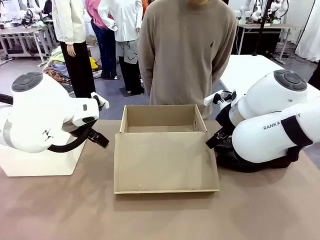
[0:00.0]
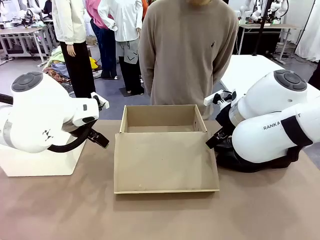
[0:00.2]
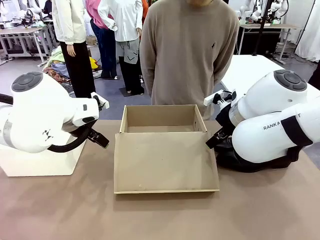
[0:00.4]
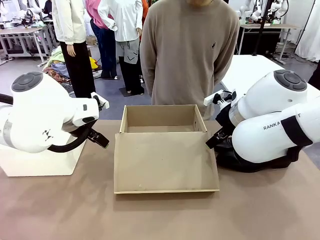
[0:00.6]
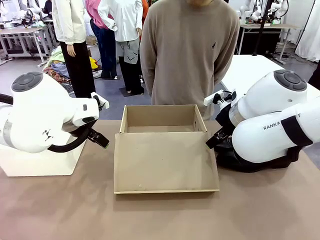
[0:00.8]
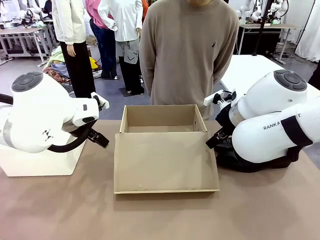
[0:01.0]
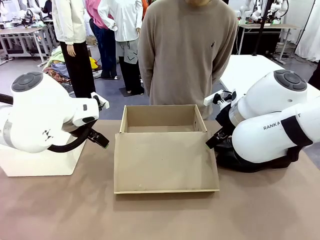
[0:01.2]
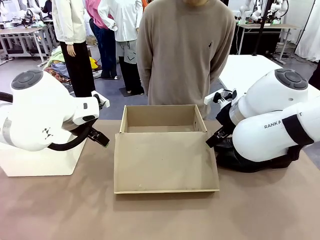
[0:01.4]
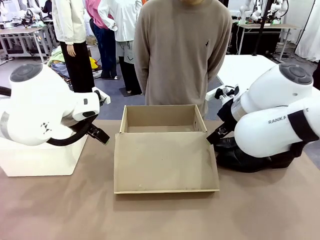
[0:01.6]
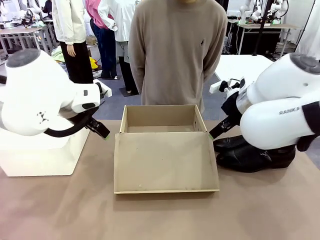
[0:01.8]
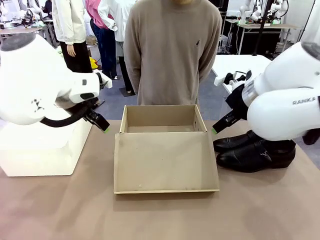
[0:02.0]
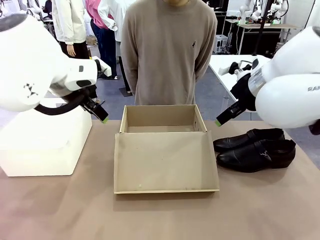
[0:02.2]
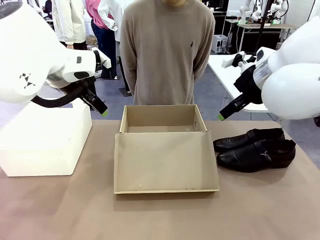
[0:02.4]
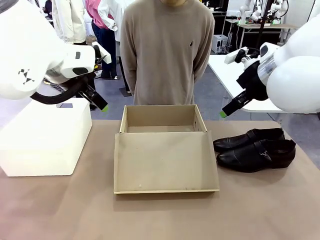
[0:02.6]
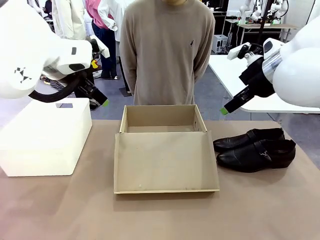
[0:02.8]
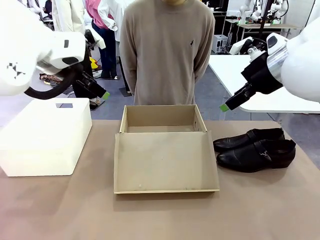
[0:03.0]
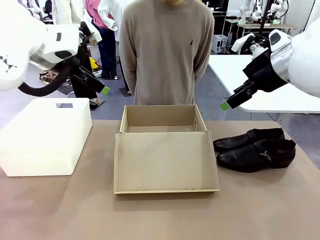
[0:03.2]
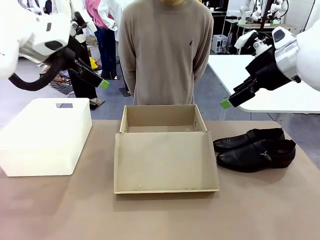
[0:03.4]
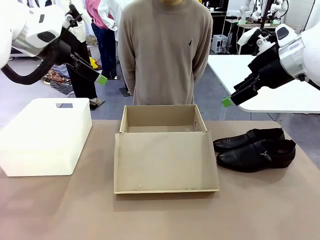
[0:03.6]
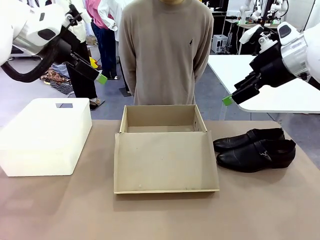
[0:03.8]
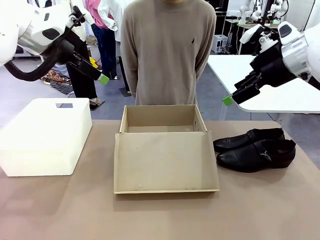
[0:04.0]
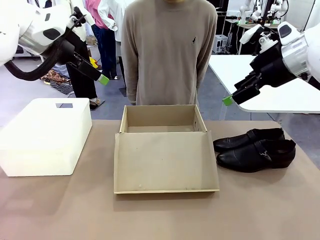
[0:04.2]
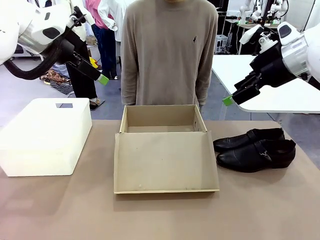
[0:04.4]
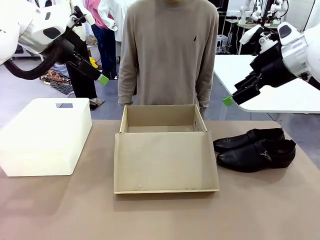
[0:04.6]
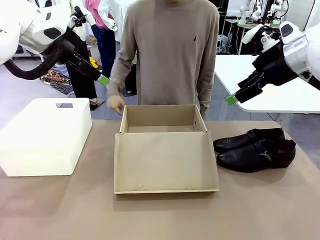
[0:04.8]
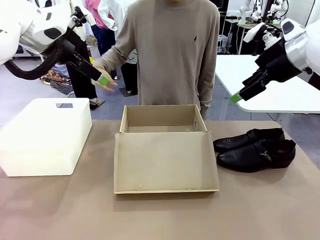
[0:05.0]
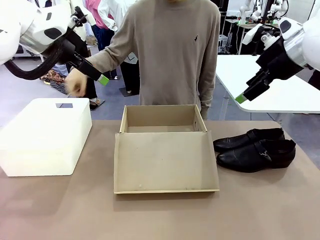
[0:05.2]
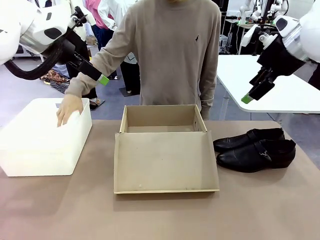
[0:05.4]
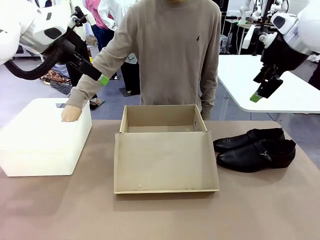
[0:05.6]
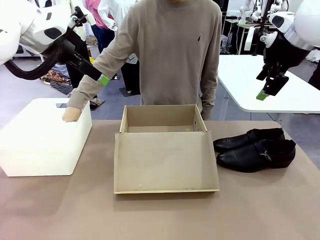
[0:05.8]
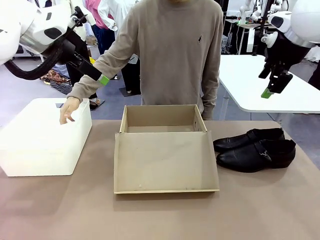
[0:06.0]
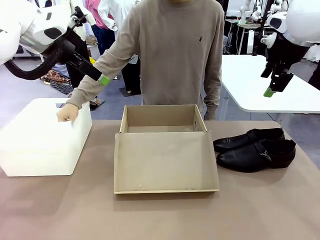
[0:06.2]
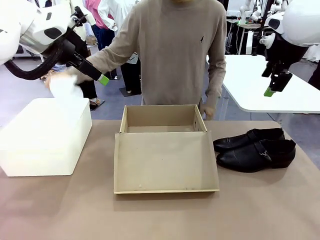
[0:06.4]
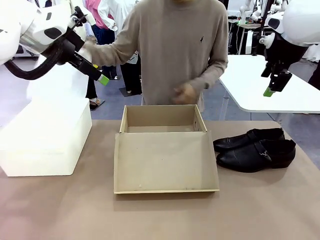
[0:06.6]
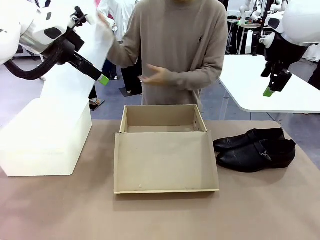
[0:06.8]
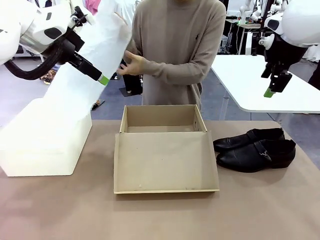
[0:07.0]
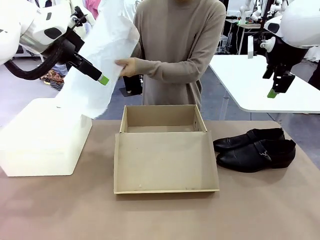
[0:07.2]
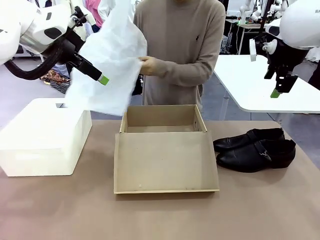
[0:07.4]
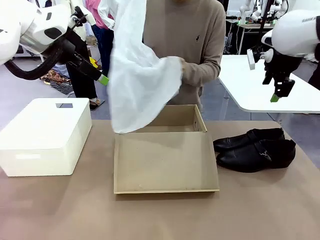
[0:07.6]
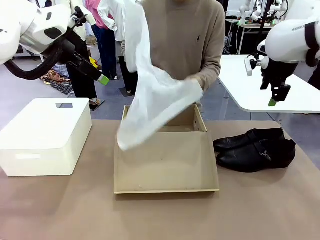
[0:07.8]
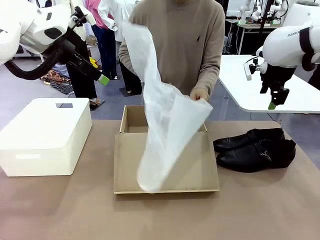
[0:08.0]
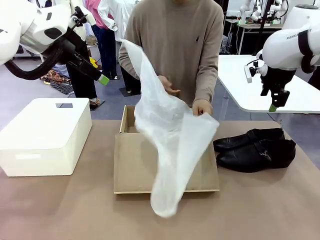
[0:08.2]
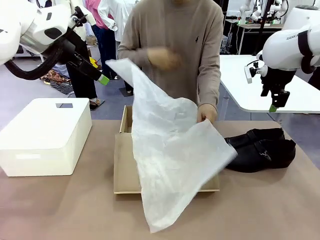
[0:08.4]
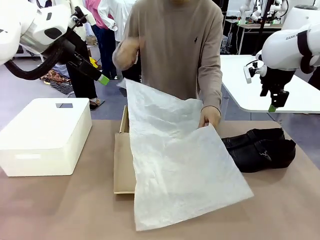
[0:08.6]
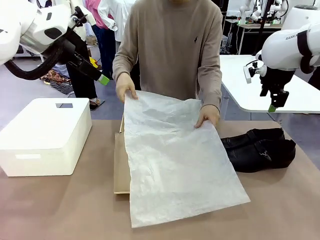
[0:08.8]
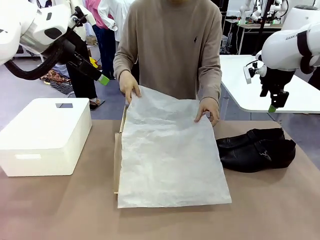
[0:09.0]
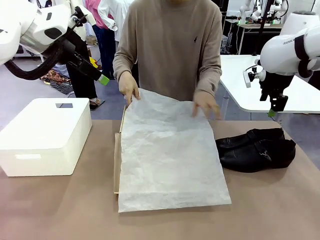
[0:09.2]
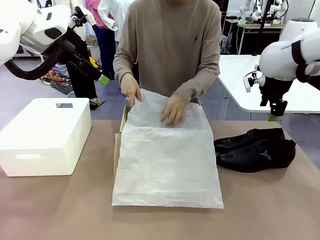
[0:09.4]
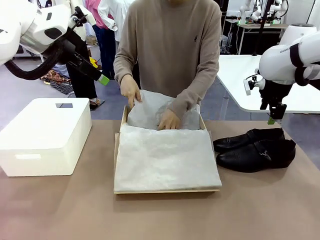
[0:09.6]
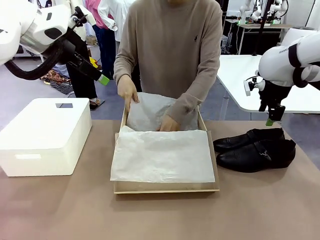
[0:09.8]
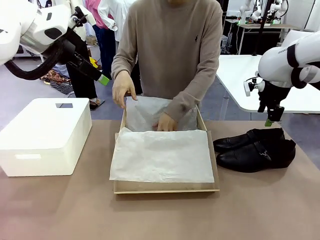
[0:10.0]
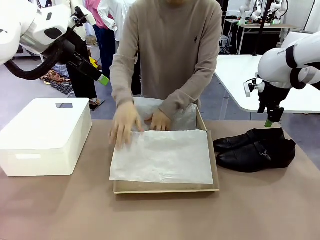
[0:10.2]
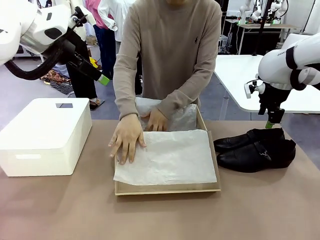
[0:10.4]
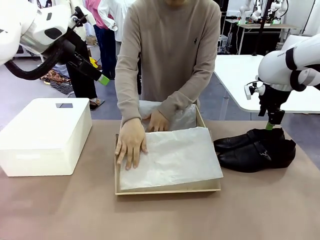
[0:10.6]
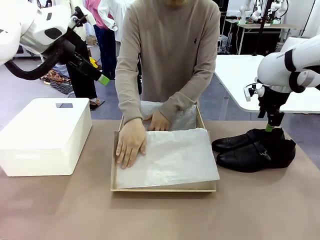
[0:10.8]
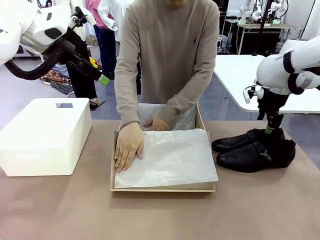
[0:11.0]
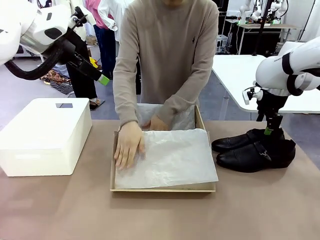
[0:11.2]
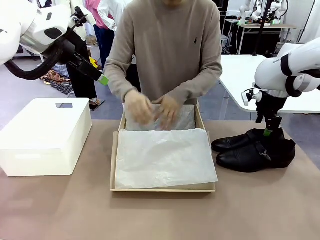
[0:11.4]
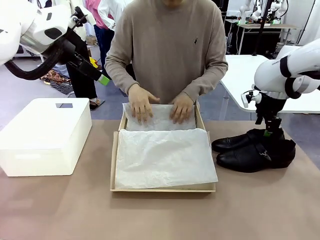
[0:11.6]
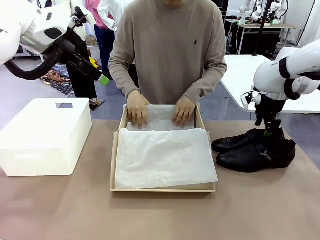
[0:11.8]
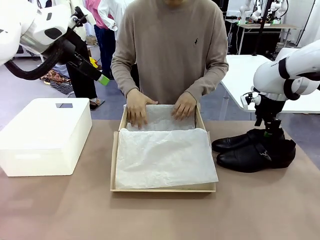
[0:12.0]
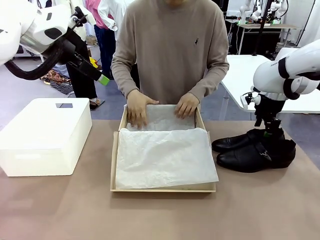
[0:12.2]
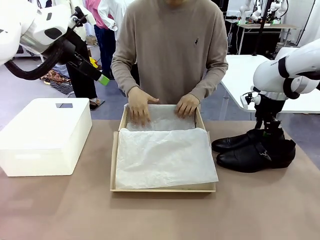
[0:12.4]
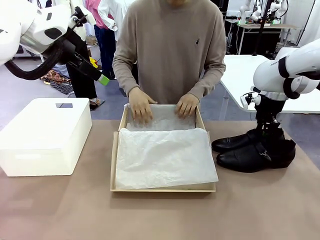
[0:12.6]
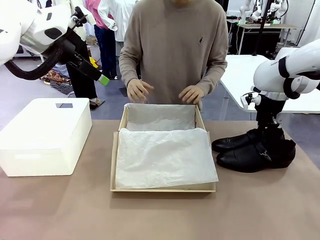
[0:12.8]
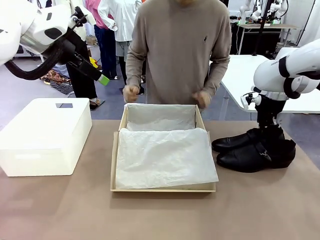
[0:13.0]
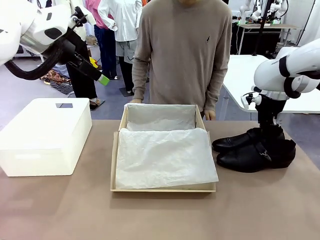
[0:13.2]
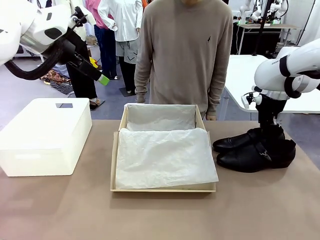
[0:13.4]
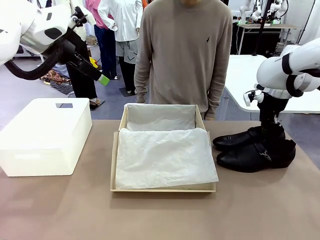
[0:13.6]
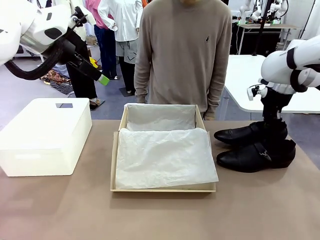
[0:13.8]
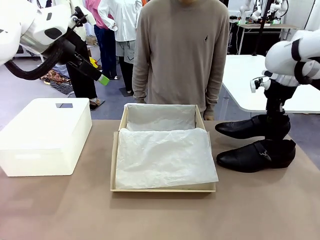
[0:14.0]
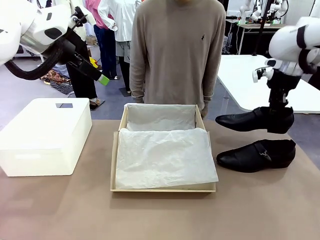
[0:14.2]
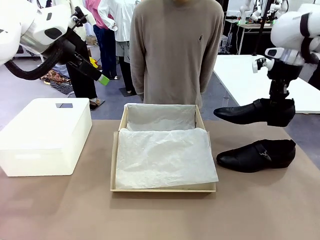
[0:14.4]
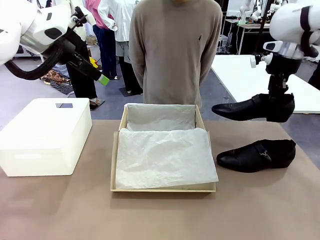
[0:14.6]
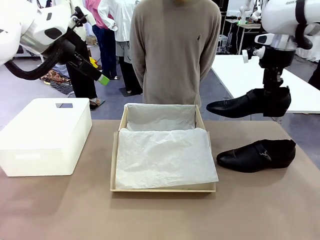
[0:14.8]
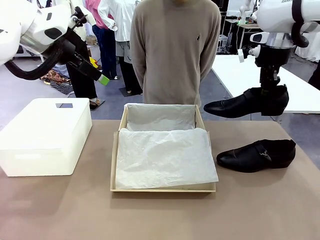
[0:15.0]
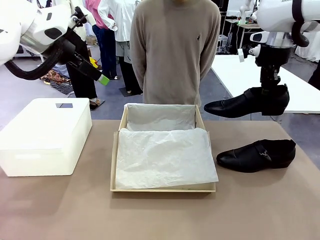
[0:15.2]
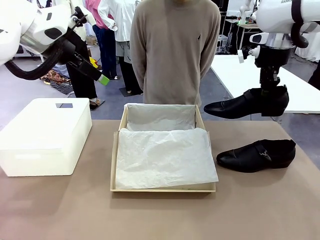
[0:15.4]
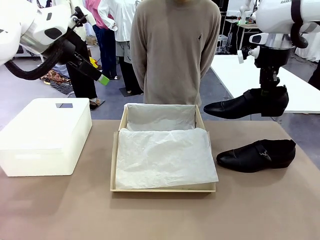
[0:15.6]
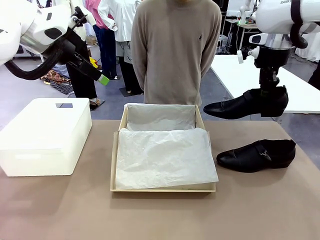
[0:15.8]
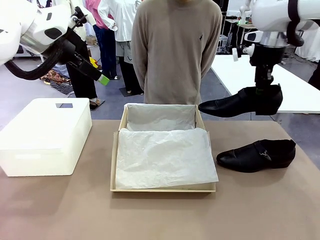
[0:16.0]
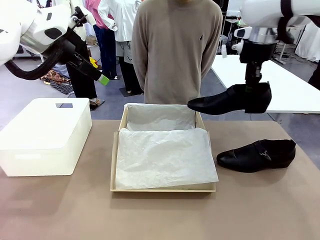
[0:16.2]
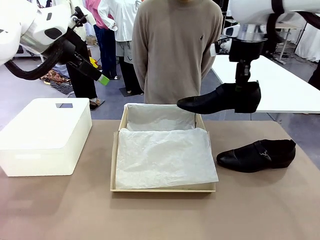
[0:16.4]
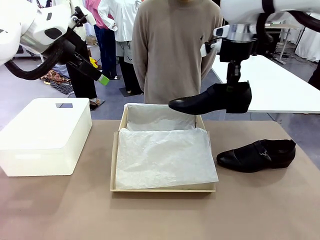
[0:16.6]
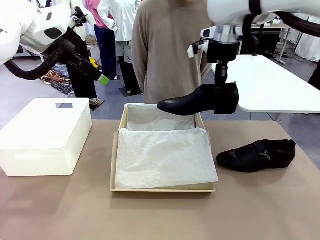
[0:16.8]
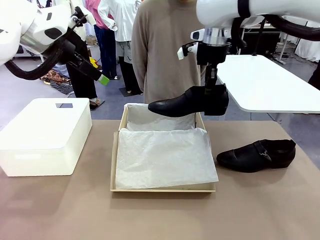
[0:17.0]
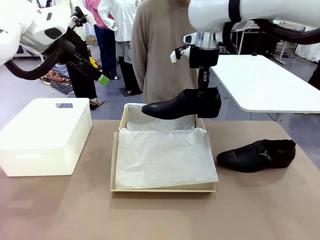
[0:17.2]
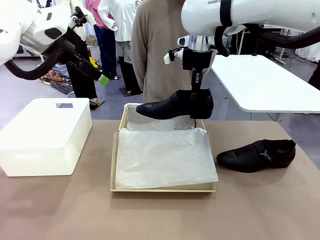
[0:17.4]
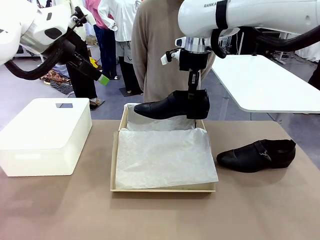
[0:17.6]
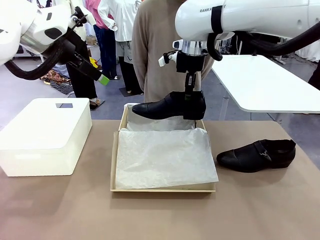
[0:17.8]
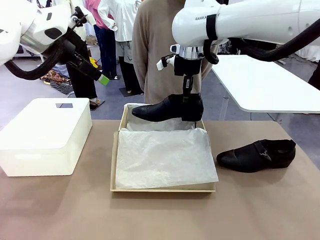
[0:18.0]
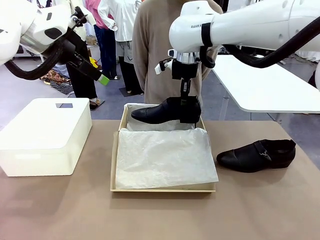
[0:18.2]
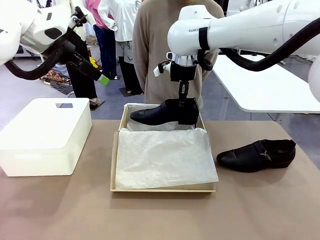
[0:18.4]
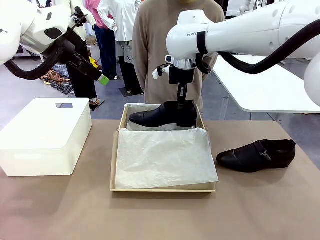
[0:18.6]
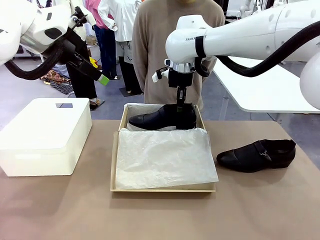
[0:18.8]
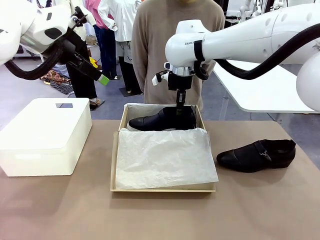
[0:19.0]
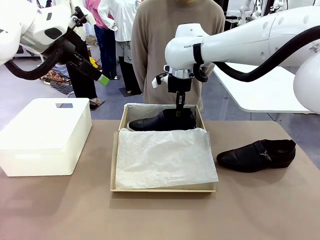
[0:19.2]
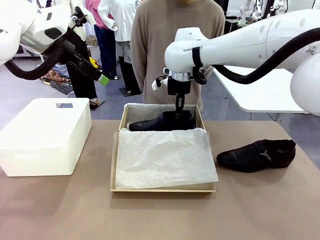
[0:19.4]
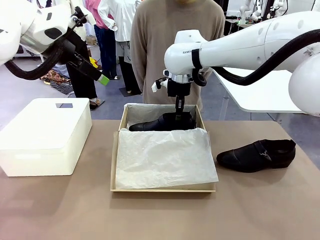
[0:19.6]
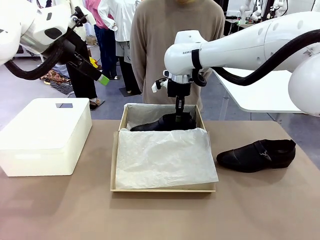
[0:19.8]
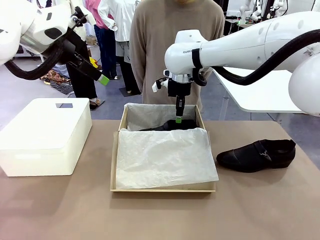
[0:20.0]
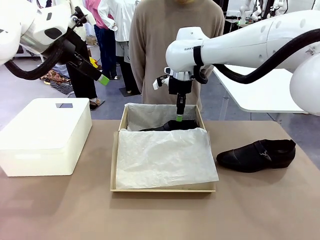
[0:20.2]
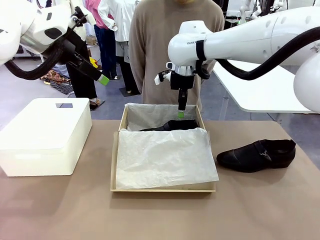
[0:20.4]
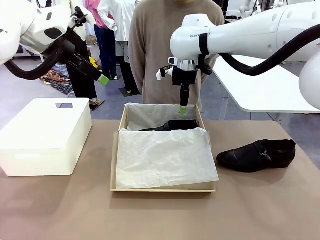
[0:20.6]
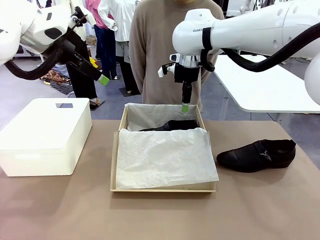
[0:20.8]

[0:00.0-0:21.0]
Task: Pack the shoes into the box.
Robot: Place one shoe of the Shoes into the Shoes Box.
Person: Spread Shoes Wrapping Paper and place inside the Shoes Box.
